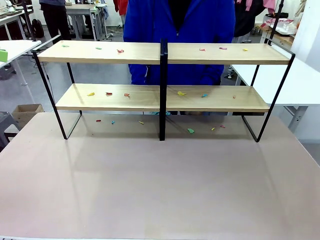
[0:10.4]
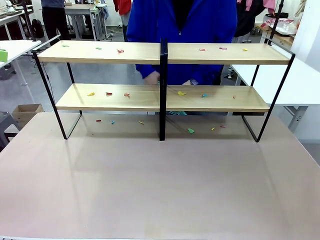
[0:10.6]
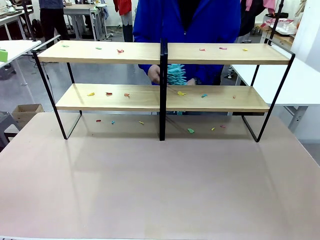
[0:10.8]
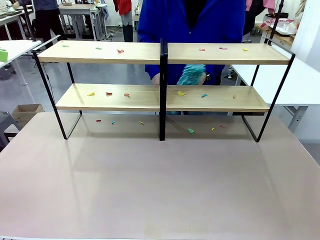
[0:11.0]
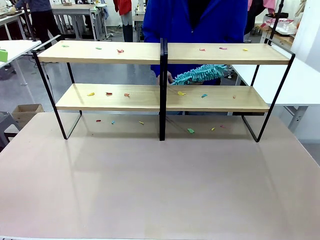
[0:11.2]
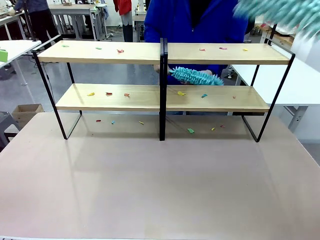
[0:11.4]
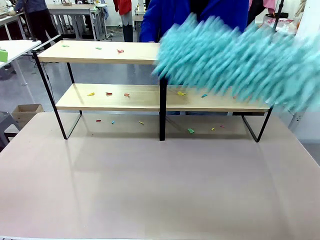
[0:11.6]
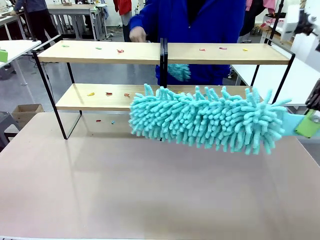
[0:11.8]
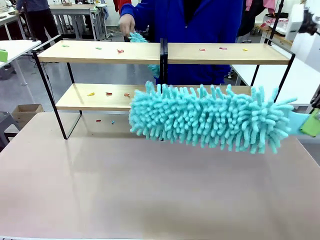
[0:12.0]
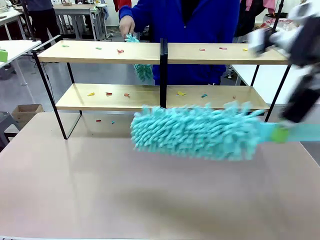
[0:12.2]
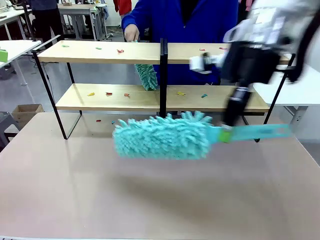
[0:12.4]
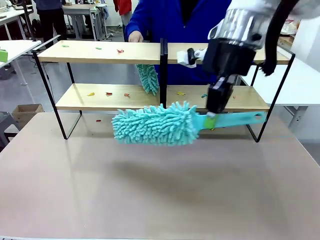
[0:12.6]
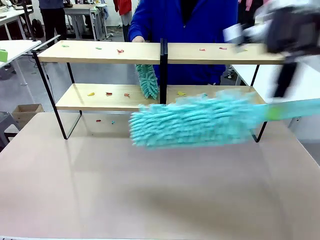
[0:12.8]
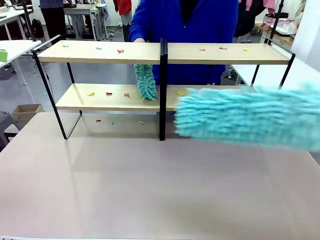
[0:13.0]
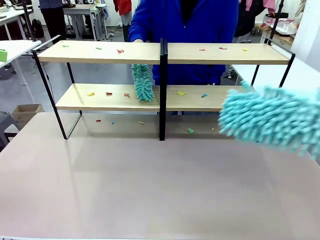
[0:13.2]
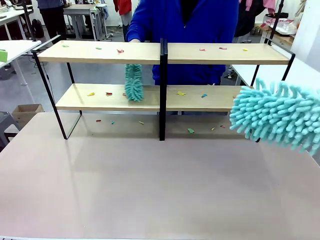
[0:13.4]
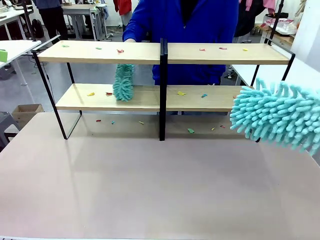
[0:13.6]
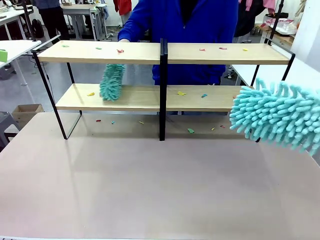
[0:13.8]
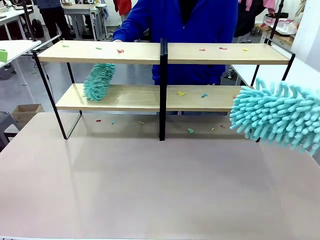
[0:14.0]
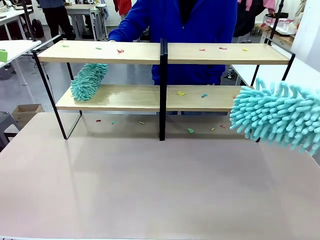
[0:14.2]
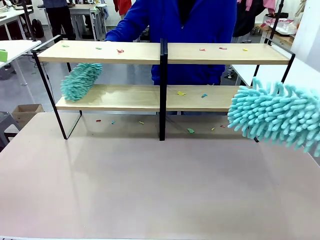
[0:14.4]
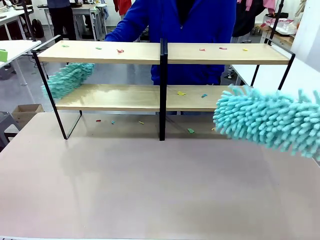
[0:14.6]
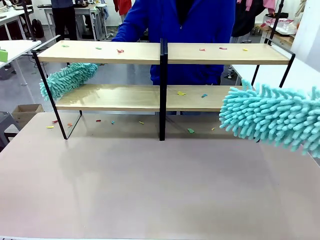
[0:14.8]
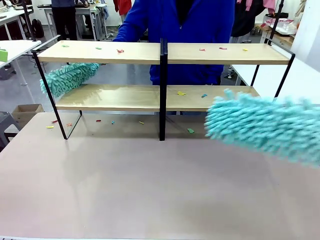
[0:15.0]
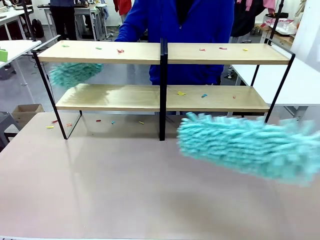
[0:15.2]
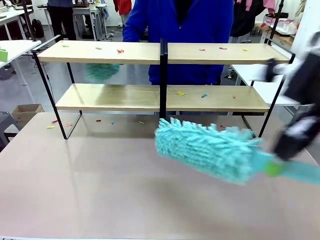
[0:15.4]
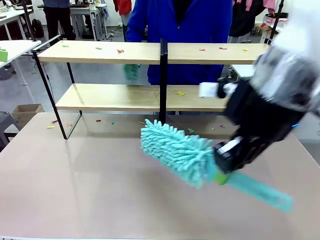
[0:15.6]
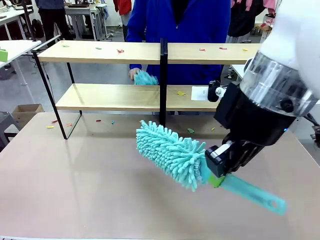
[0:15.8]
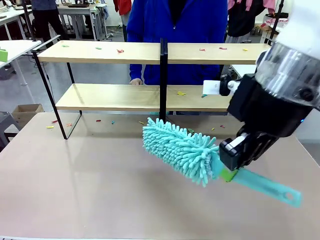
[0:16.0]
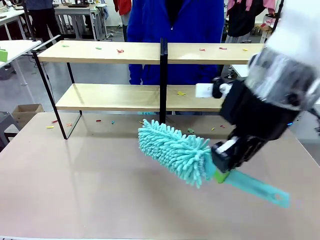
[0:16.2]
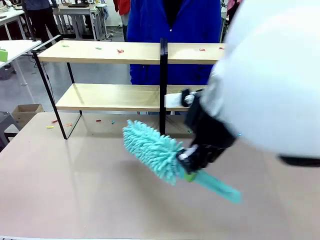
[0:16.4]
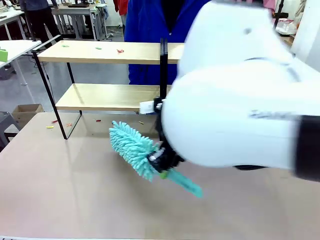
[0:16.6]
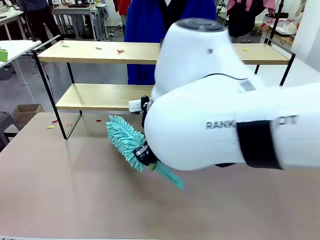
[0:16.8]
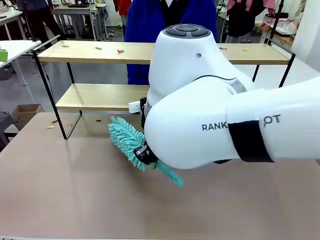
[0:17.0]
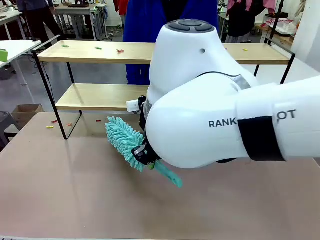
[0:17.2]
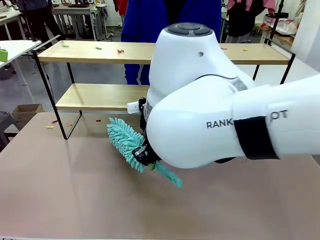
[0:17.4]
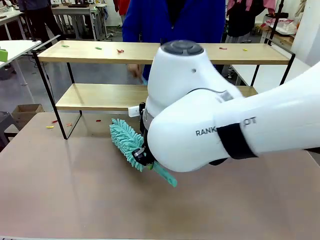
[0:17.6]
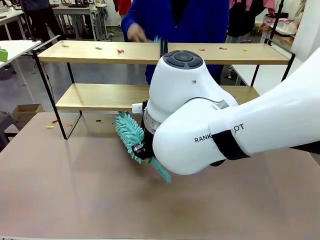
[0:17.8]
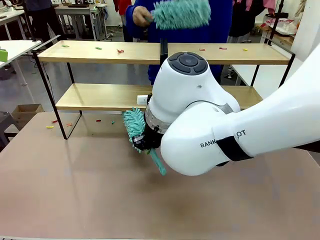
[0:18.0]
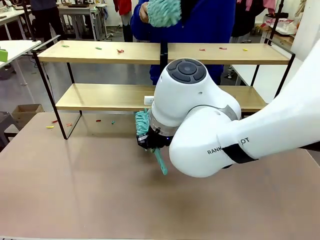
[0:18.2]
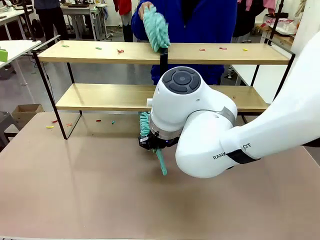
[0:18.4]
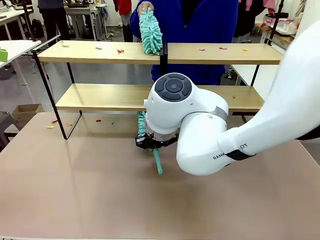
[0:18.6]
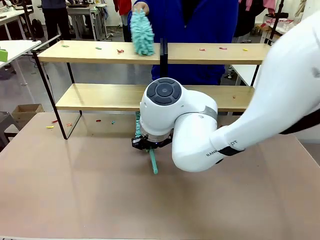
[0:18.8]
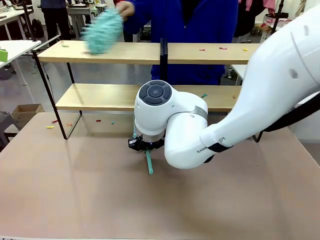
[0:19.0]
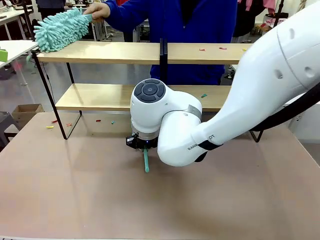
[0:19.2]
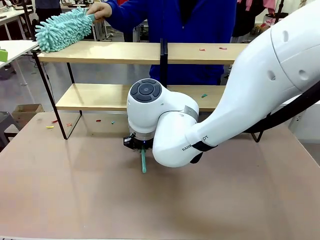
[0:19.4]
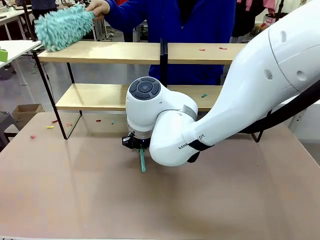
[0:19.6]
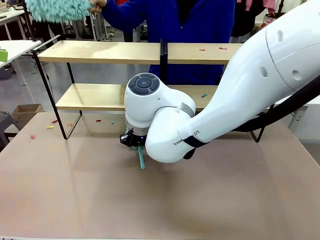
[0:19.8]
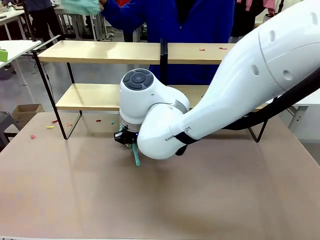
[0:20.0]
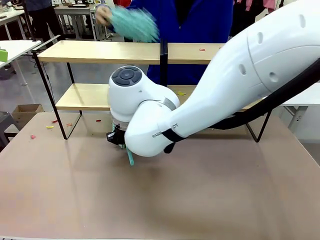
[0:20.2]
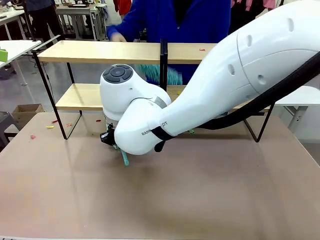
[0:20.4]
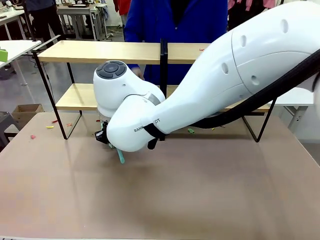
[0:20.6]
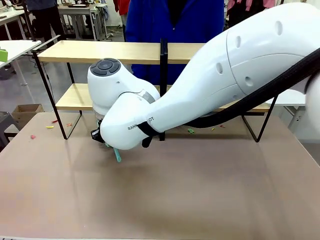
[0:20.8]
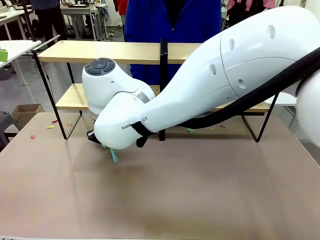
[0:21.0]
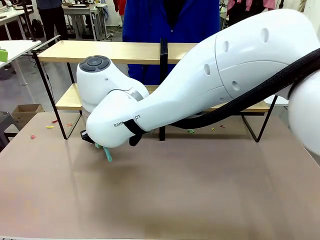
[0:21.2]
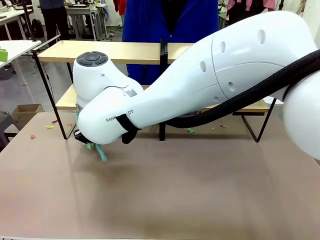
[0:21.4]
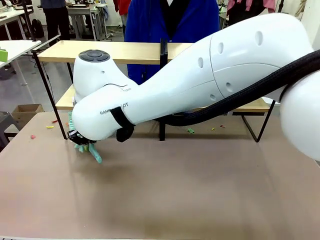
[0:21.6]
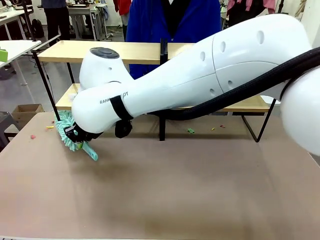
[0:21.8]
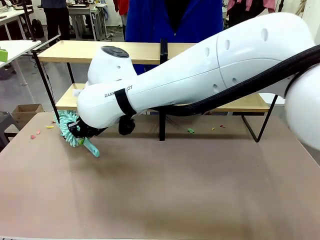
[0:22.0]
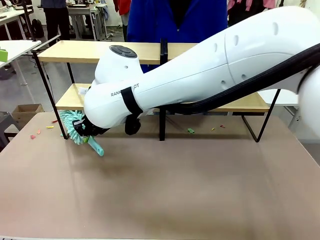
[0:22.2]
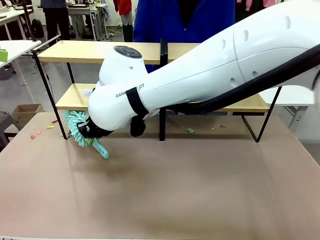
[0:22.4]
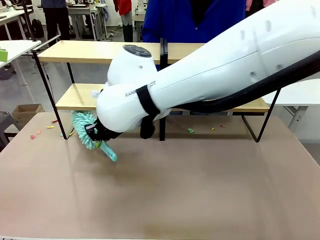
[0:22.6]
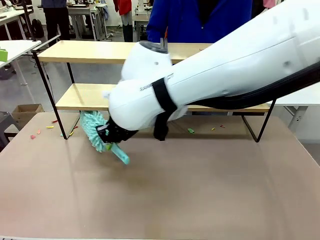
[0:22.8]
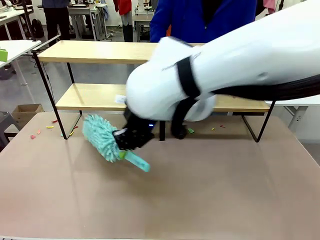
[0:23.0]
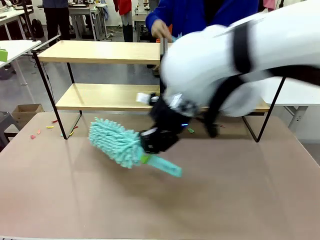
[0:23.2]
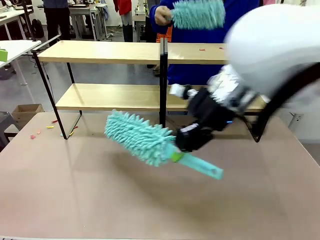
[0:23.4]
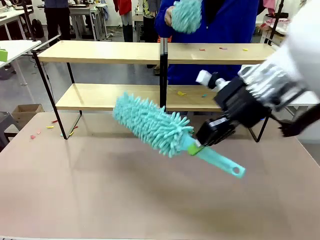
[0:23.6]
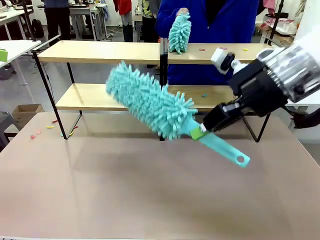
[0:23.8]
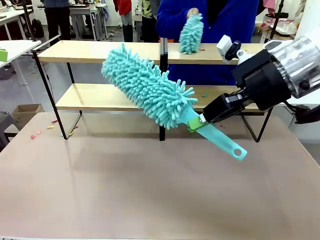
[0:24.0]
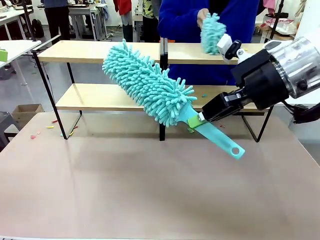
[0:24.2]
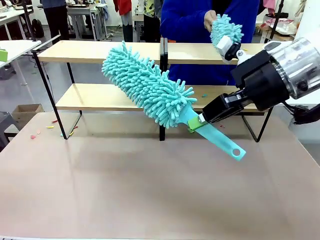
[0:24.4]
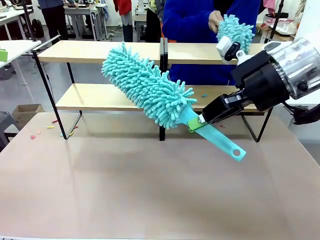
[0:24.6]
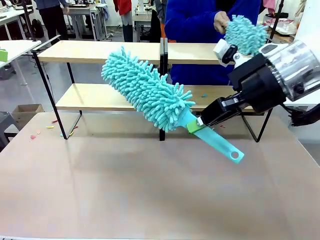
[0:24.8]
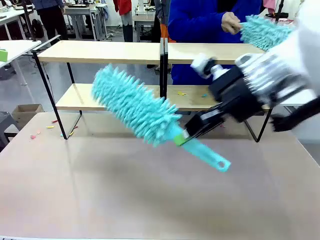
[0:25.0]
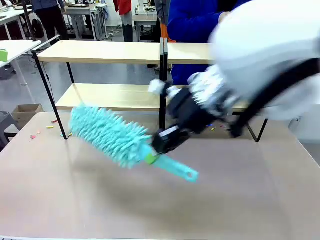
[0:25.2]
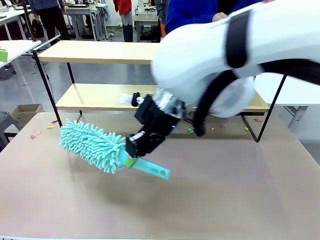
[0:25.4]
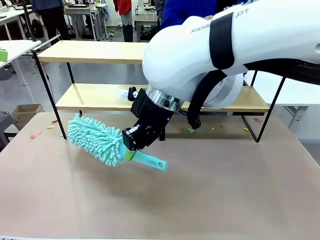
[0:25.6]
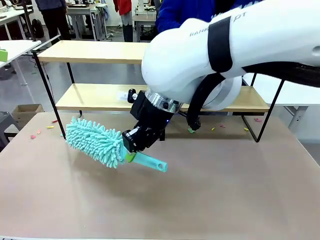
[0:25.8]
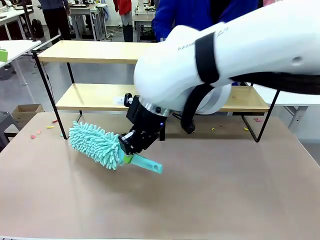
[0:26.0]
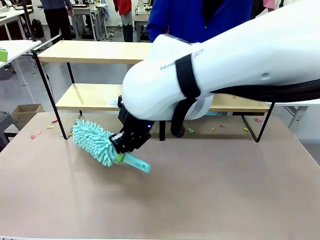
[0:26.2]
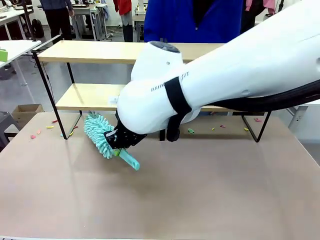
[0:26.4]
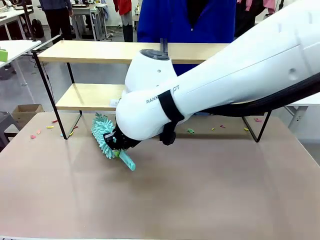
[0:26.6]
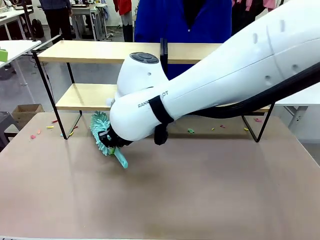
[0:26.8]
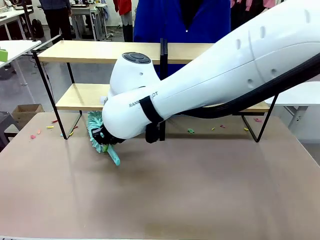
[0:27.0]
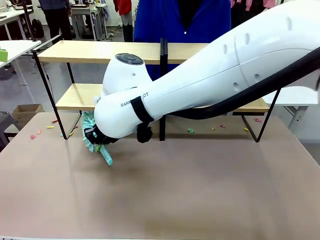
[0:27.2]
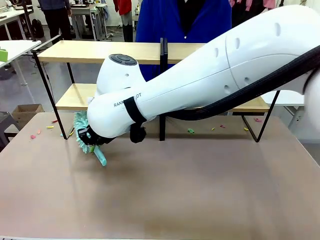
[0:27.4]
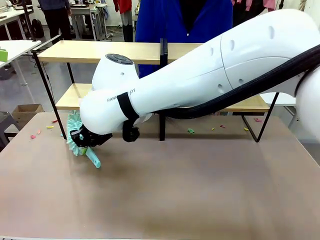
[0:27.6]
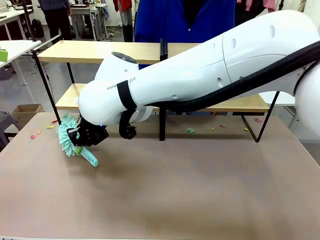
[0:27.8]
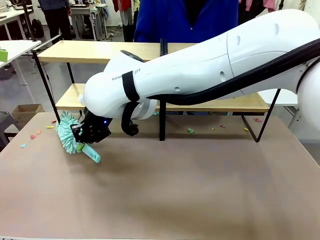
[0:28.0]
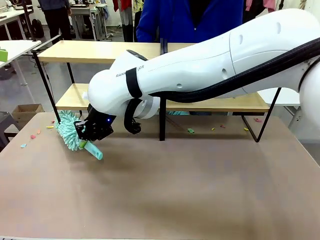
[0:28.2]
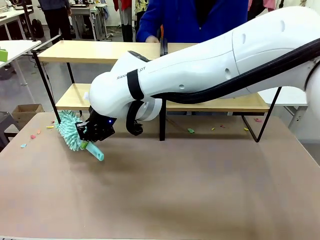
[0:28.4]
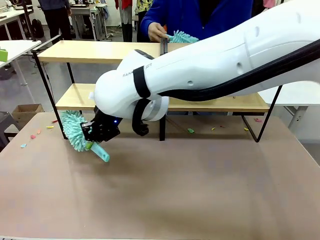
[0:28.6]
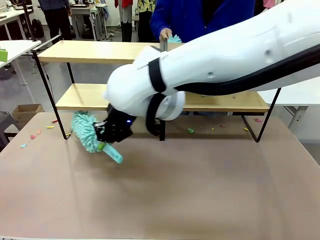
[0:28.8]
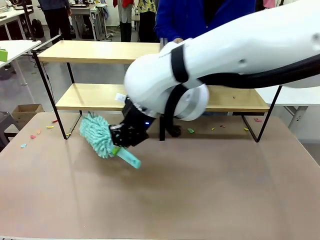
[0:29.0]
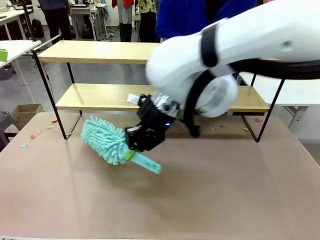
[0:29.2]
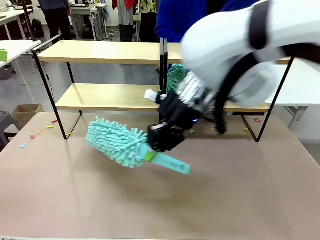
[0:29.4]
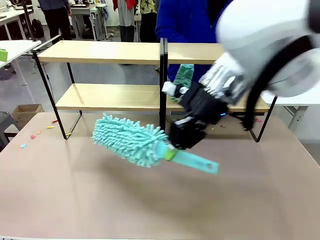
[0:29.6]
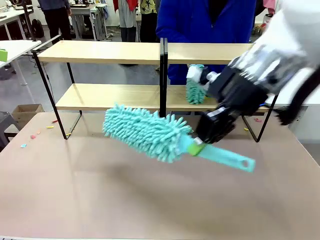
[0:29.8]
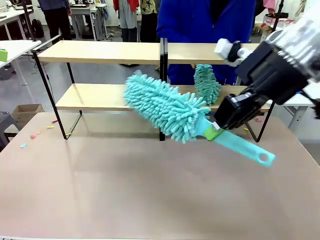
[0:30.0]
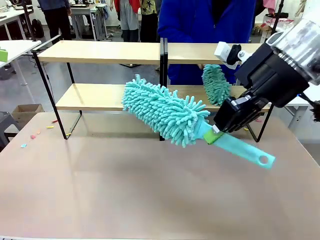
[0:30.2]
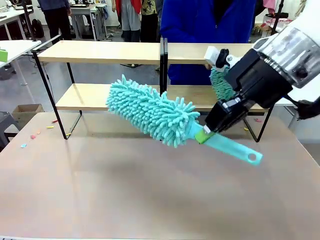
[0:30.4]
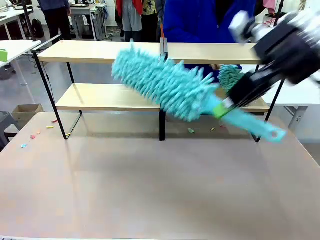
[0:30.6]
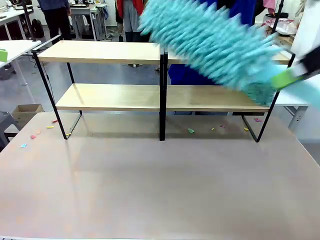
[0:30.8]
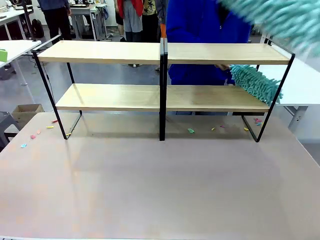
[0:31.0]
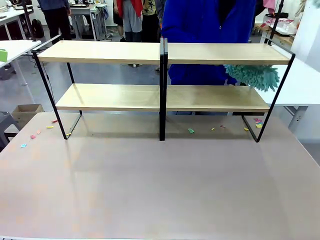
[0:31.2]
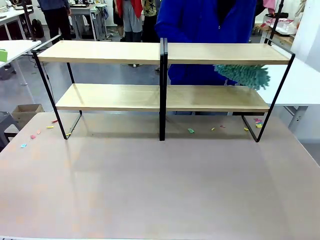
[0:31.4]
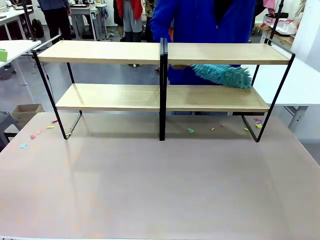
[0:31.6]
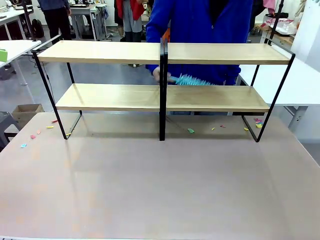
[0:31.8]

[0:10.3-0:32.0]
Task: Clean the shelves.
Robot: Clean a randomly selected level of the Shelf with the Duster.
